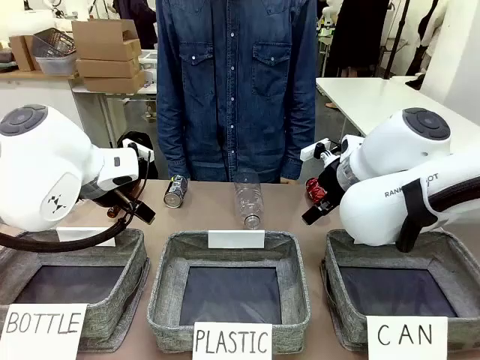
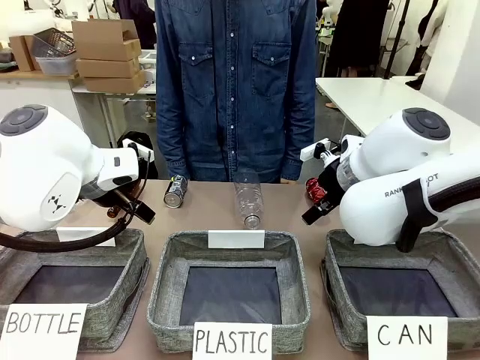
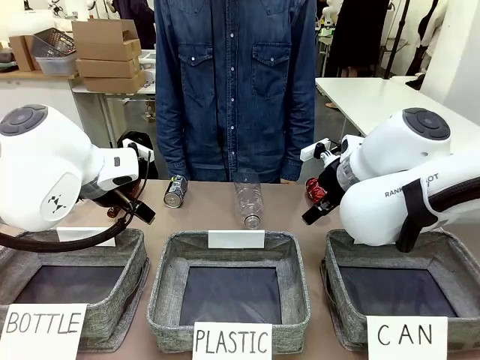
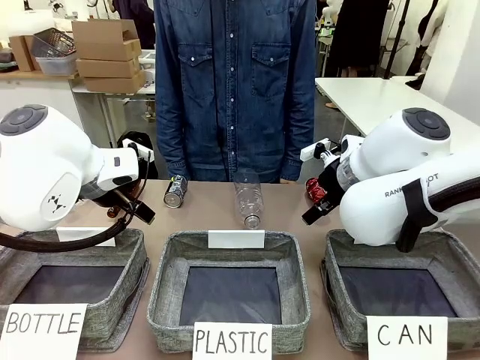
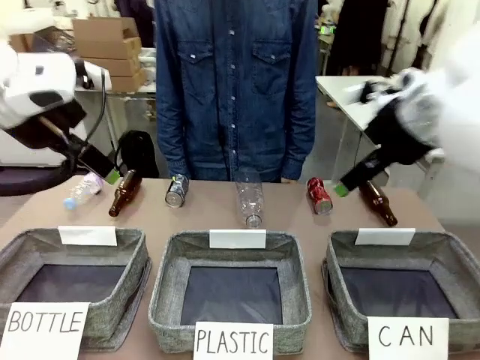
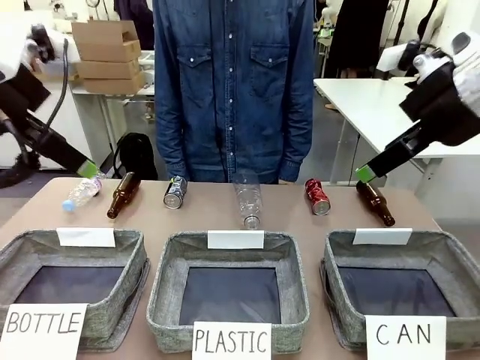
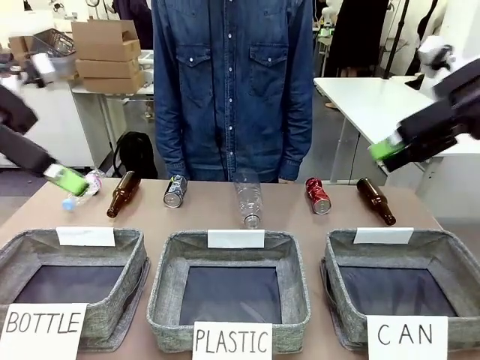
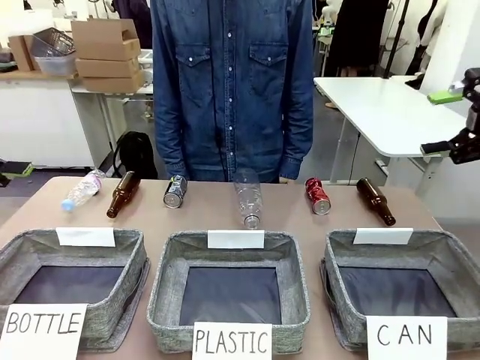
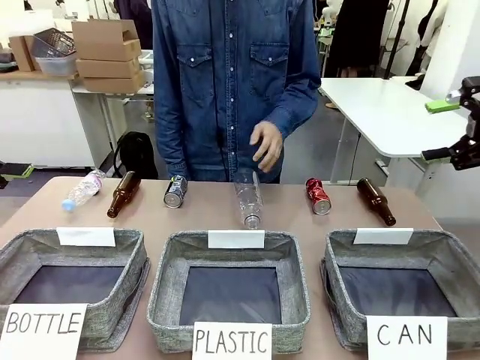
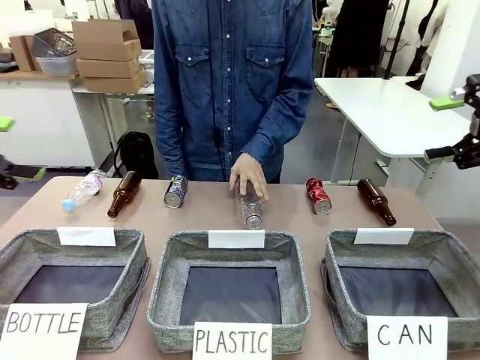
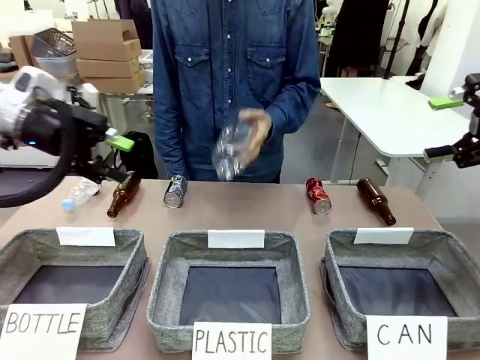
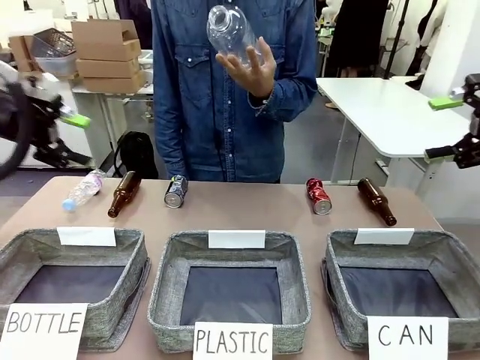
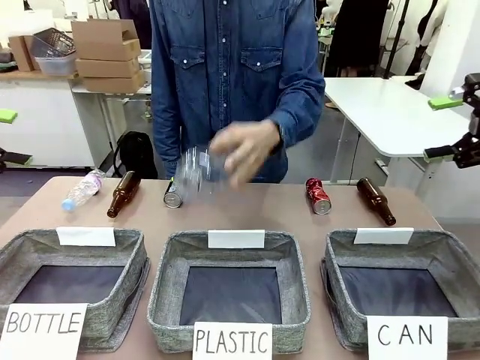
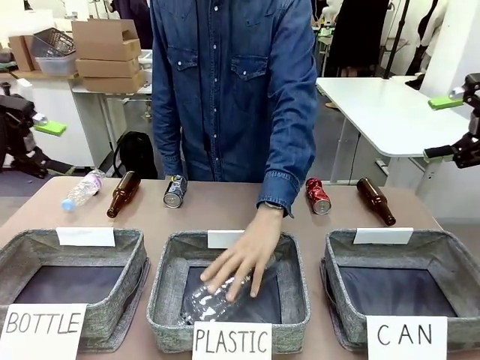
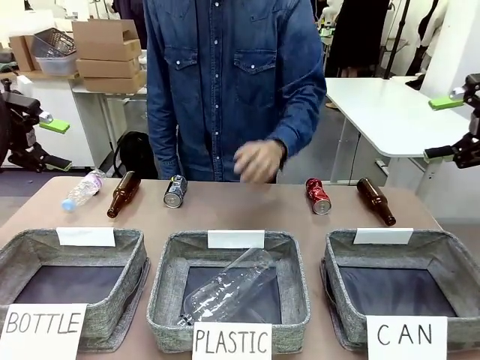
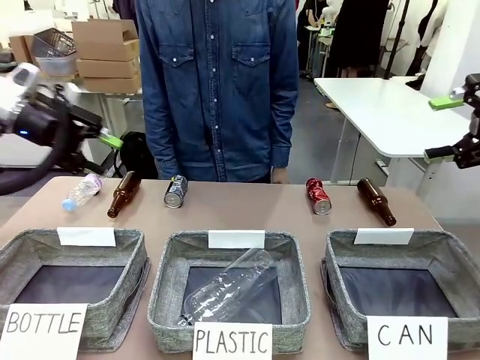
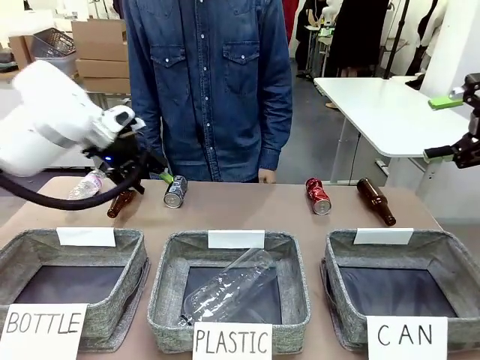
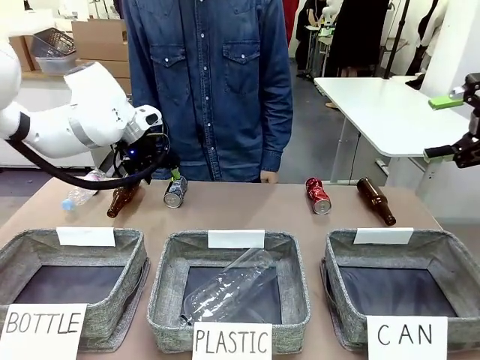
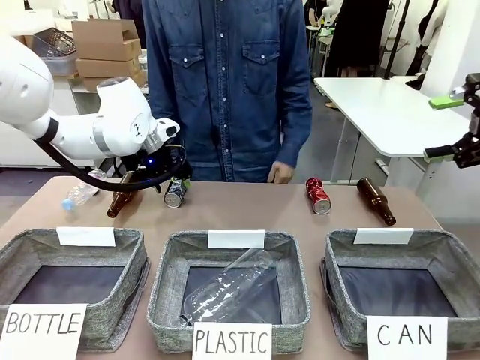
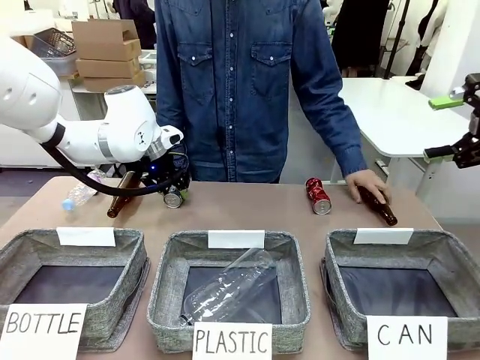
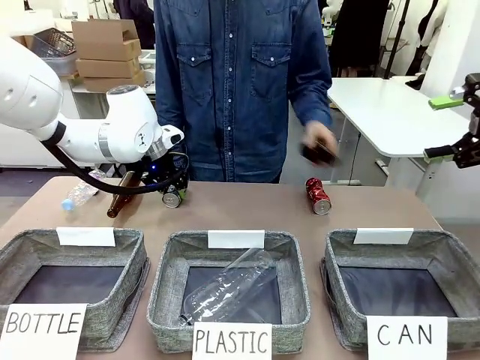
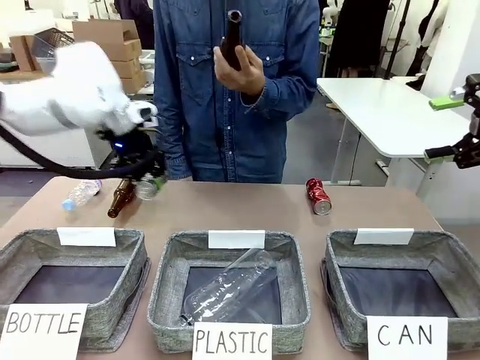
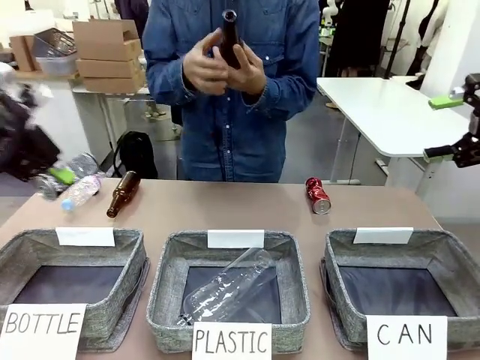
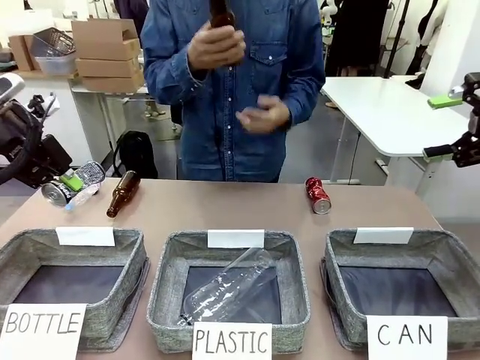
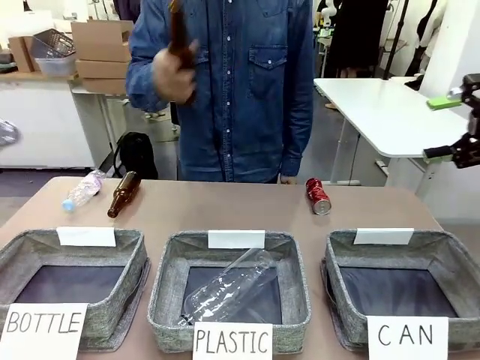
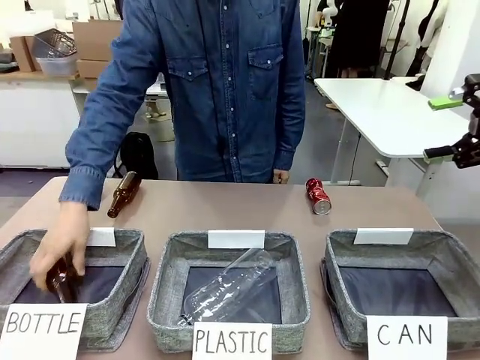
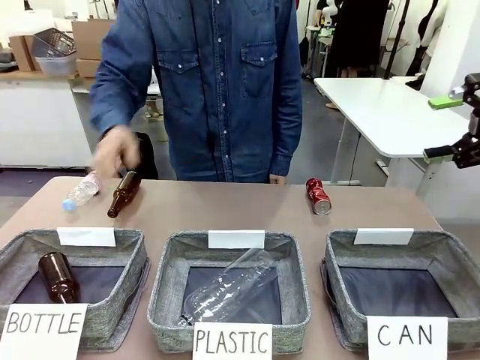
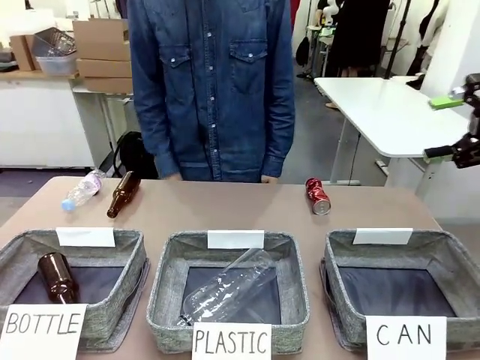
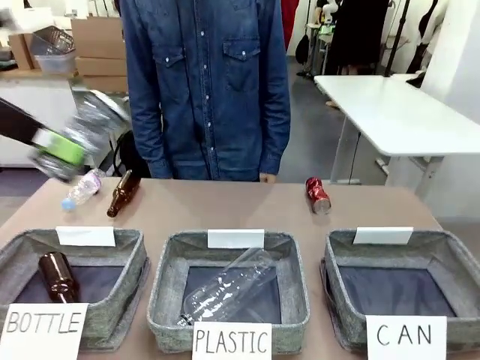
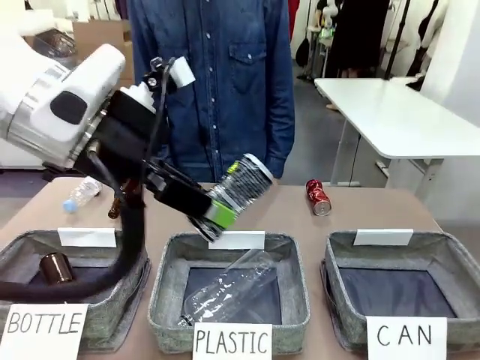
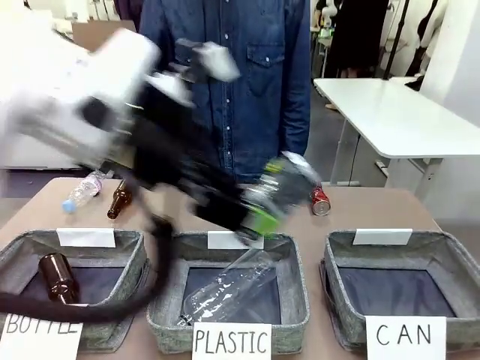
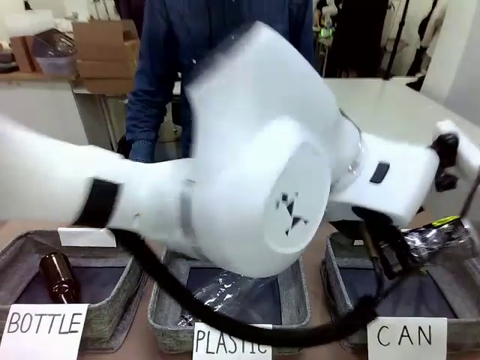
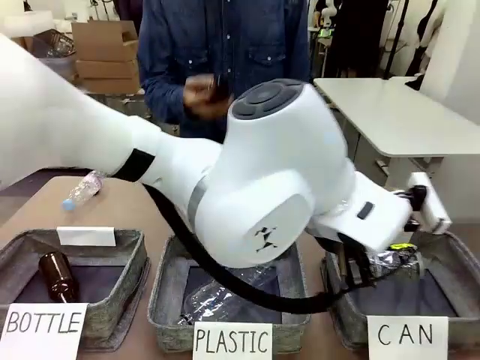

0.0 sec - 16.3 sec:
Task: Sort the can waste into the basket.
Robot: Pick up the can waste from the table and place it in the right Fabric basket.

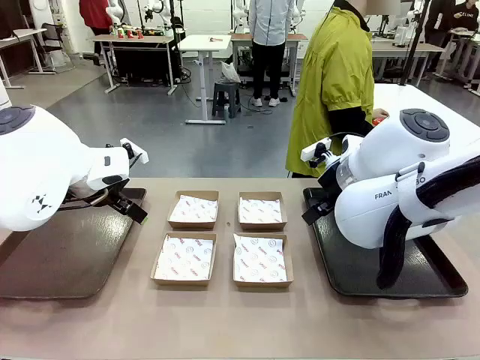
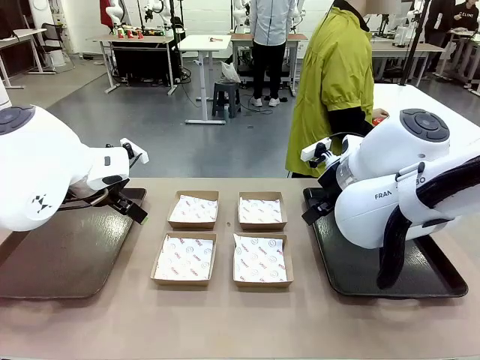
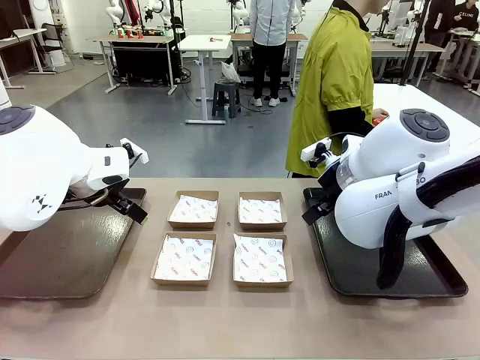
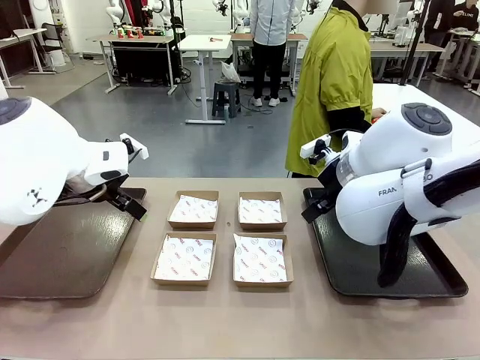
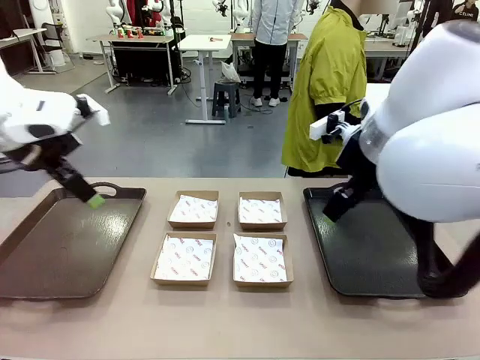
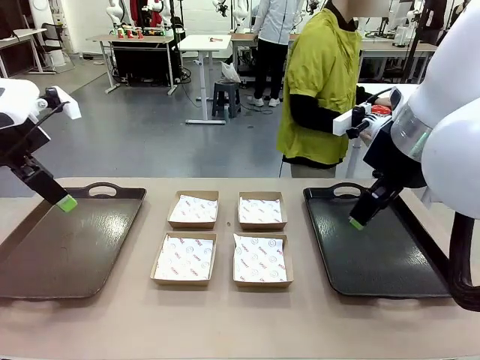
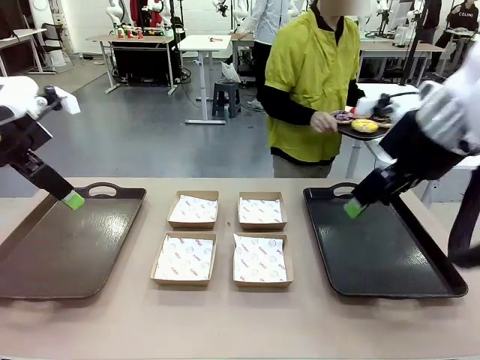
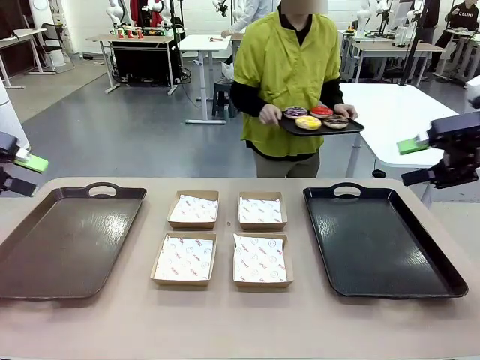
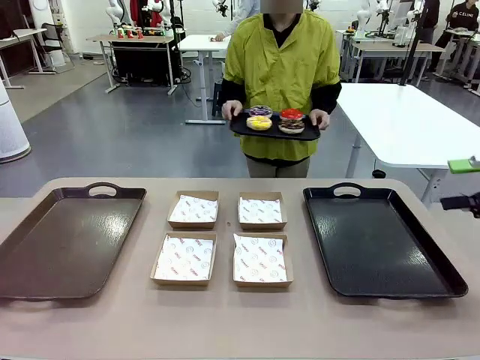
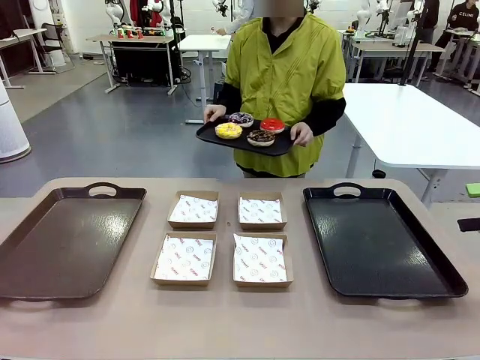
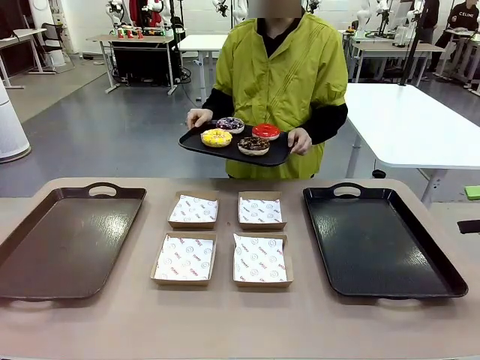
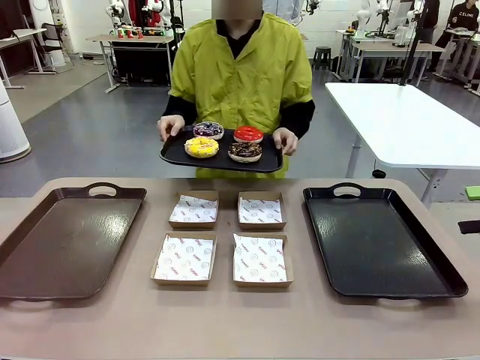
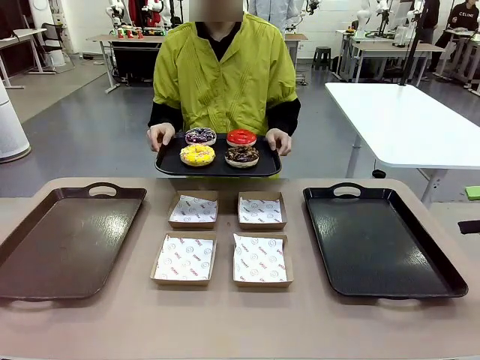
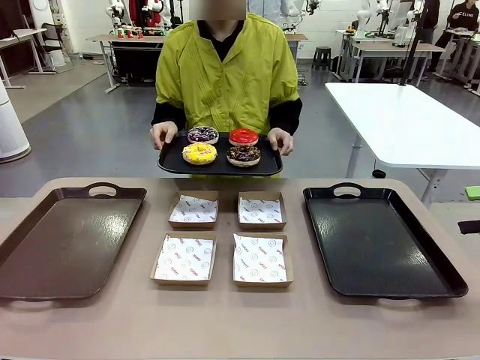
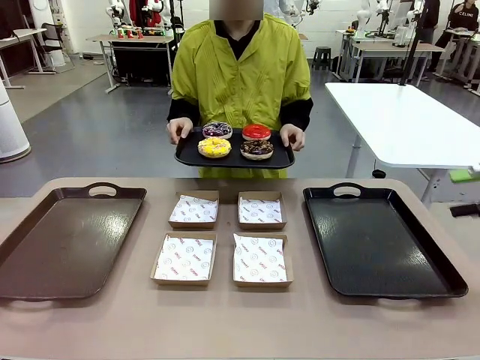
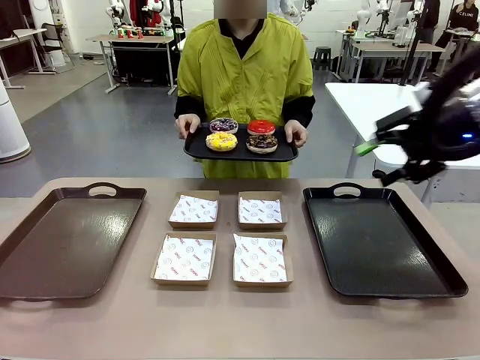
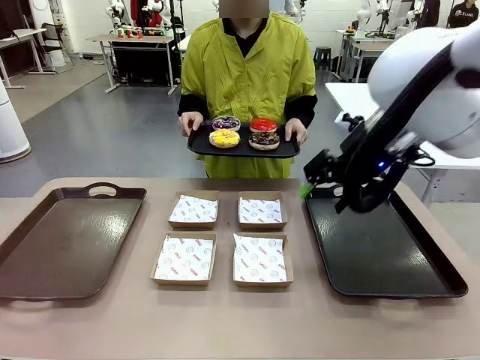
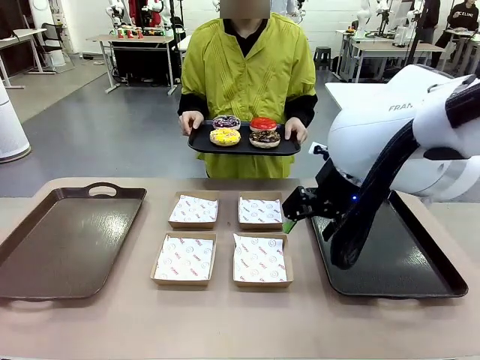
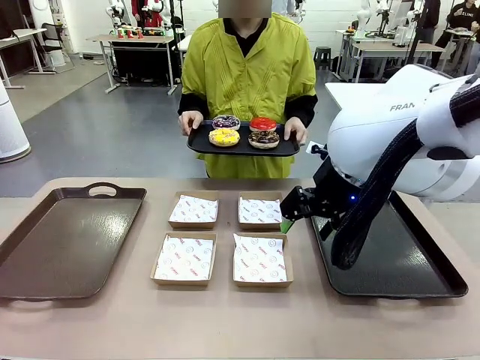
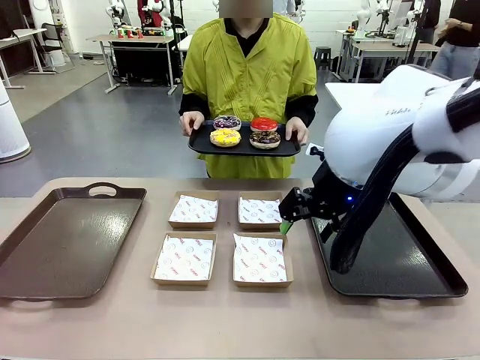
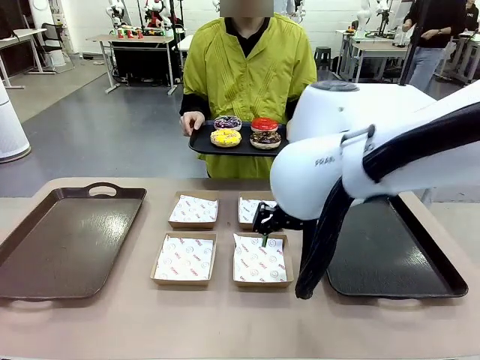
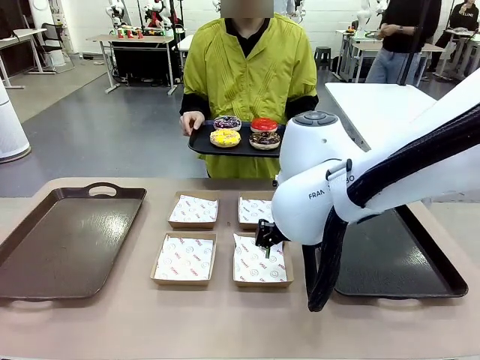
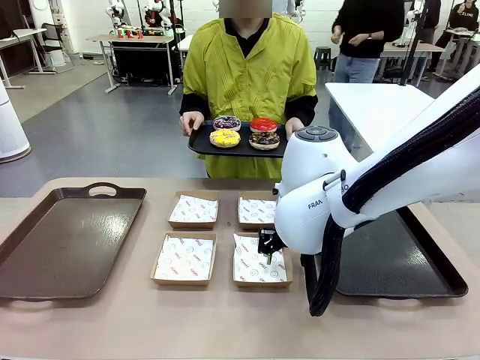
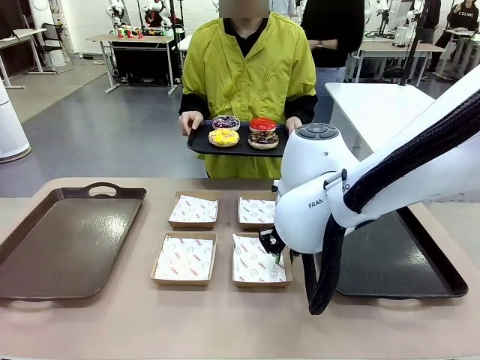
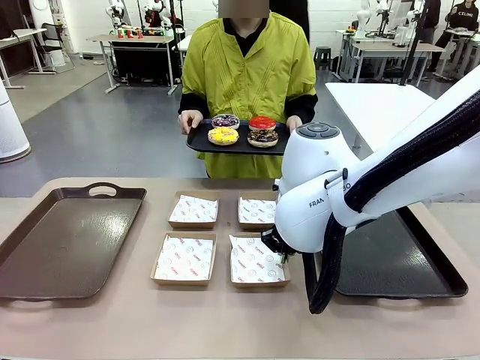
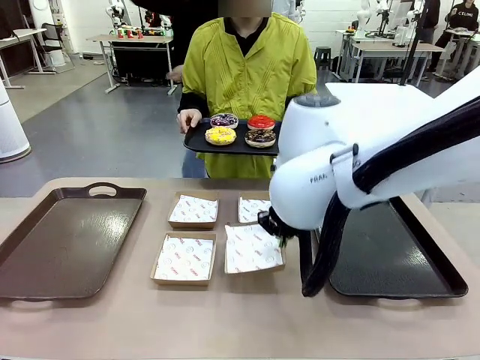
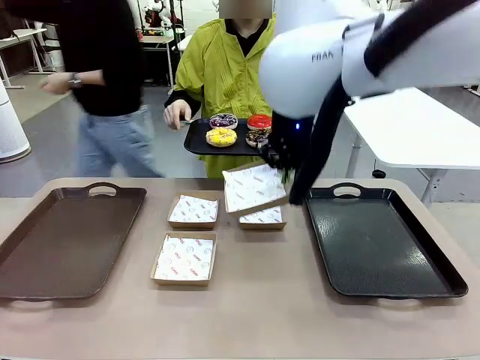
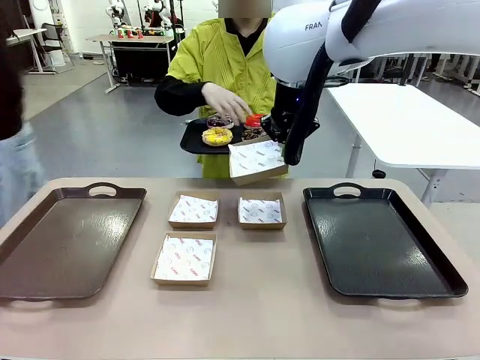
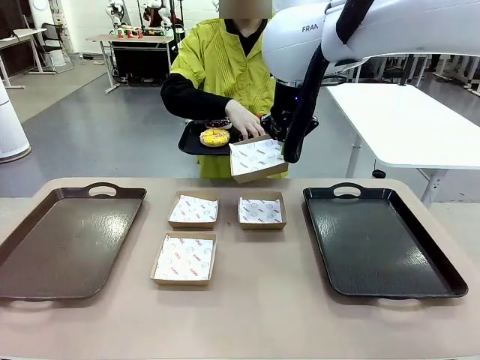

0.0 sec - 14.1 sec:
Task: Individually package the donuts and arrange them on the tray.
Robot: Pick up one Paper togo box.
Person: Stand in front of the robot table holding the tray containing the donuts.
